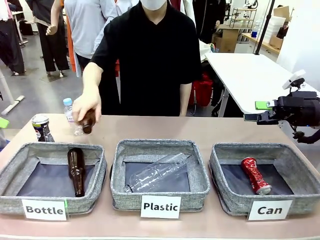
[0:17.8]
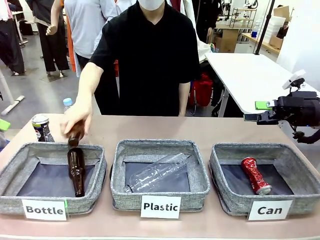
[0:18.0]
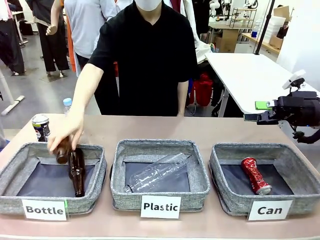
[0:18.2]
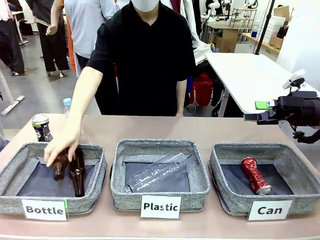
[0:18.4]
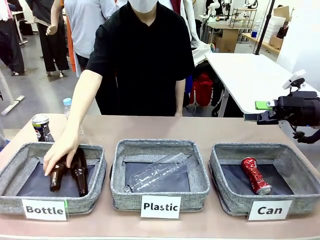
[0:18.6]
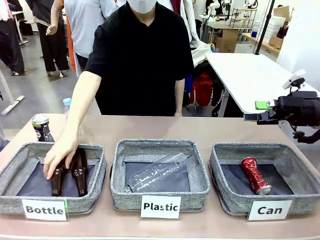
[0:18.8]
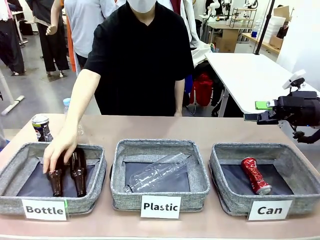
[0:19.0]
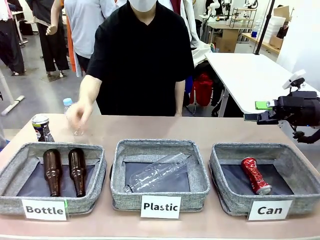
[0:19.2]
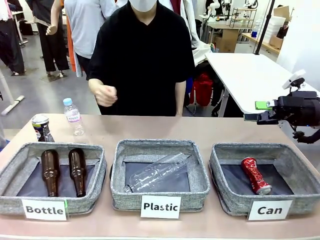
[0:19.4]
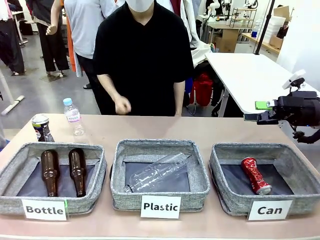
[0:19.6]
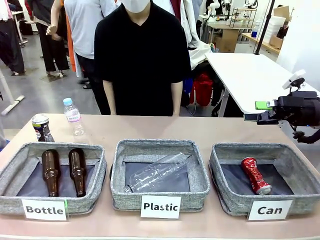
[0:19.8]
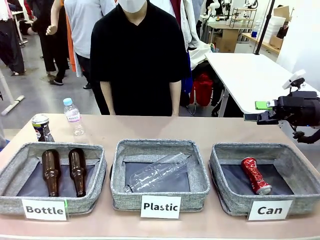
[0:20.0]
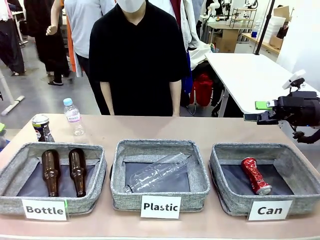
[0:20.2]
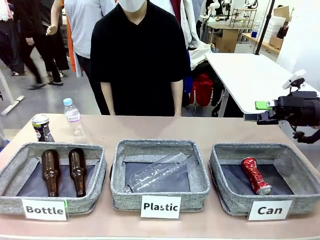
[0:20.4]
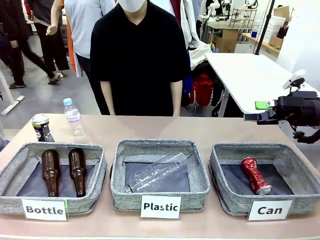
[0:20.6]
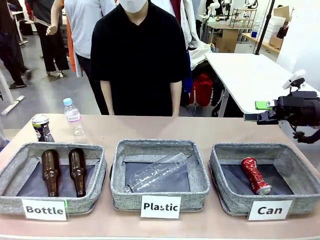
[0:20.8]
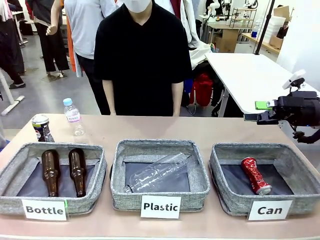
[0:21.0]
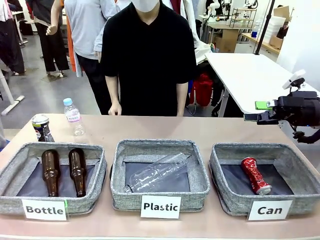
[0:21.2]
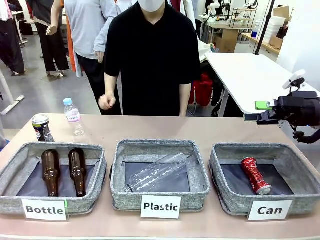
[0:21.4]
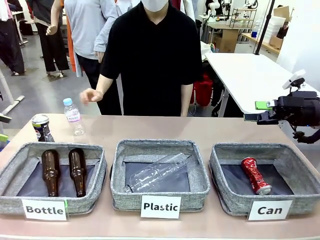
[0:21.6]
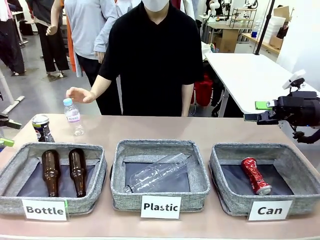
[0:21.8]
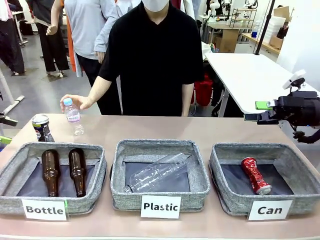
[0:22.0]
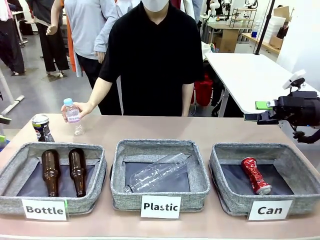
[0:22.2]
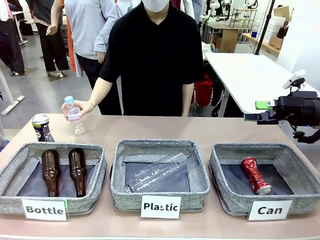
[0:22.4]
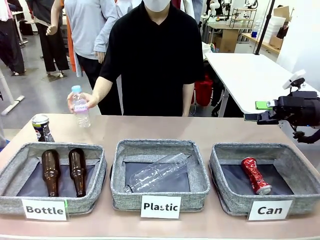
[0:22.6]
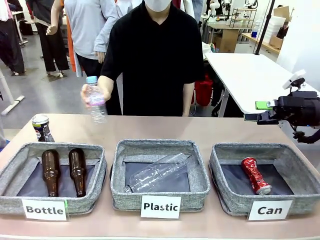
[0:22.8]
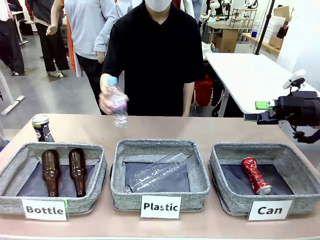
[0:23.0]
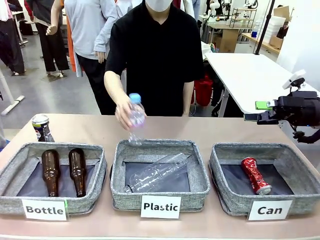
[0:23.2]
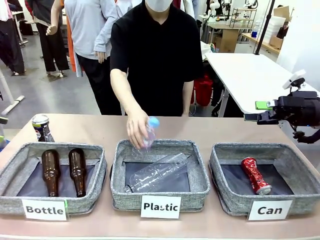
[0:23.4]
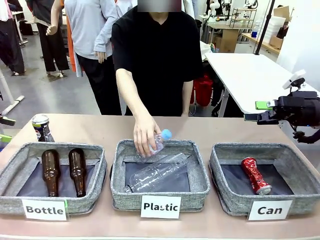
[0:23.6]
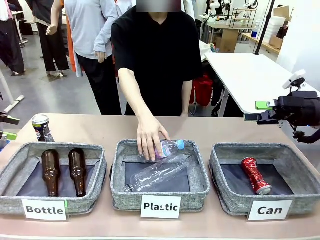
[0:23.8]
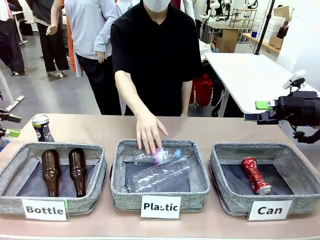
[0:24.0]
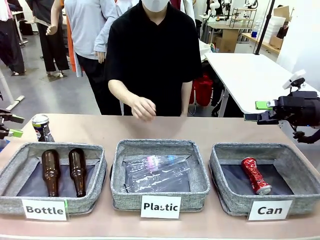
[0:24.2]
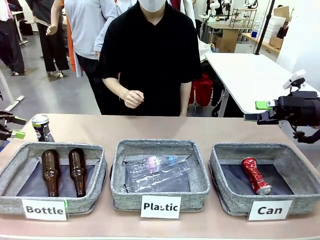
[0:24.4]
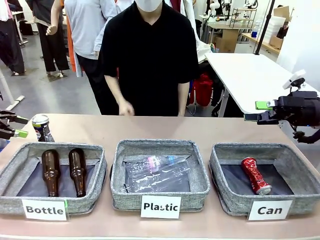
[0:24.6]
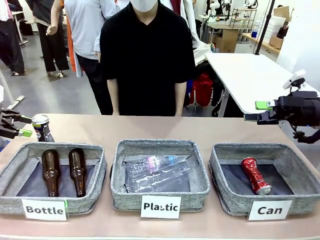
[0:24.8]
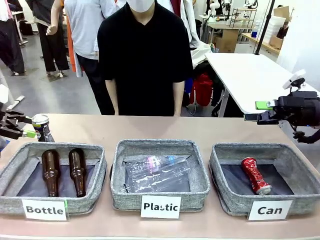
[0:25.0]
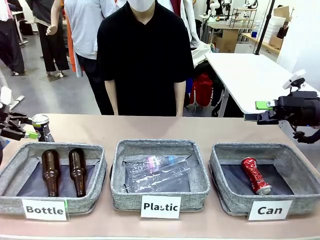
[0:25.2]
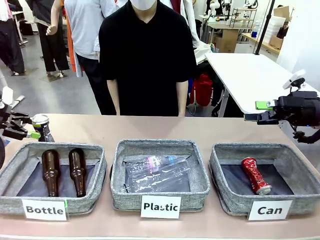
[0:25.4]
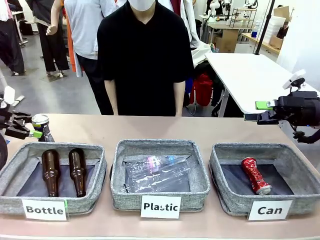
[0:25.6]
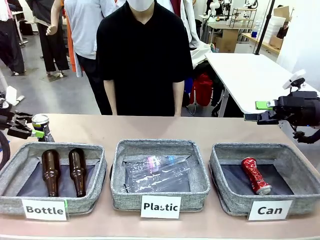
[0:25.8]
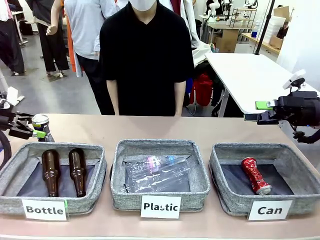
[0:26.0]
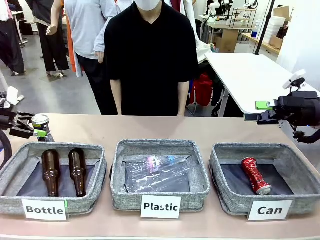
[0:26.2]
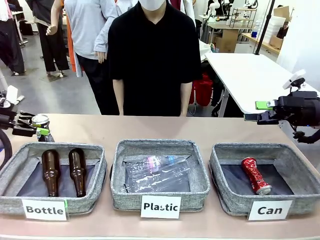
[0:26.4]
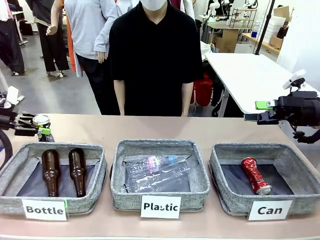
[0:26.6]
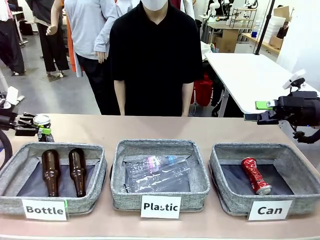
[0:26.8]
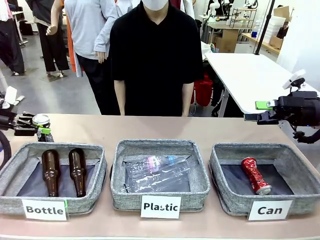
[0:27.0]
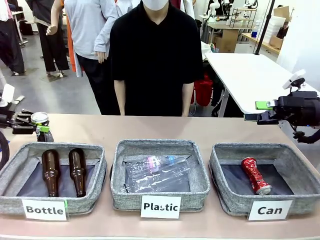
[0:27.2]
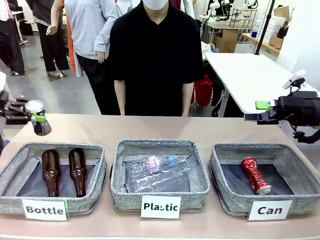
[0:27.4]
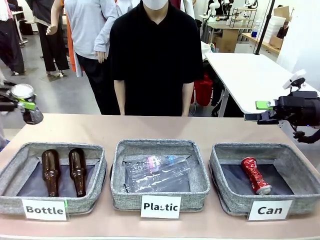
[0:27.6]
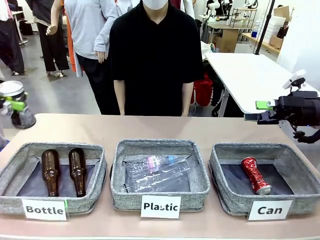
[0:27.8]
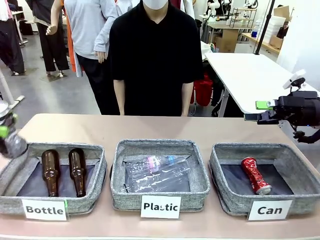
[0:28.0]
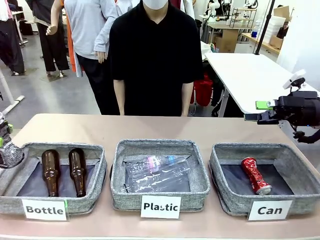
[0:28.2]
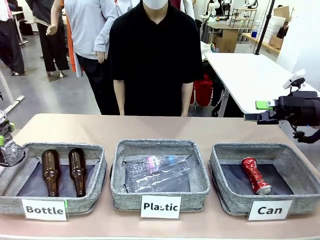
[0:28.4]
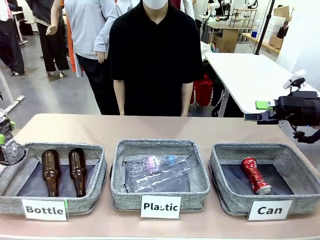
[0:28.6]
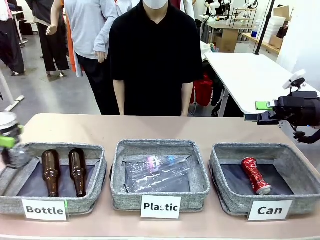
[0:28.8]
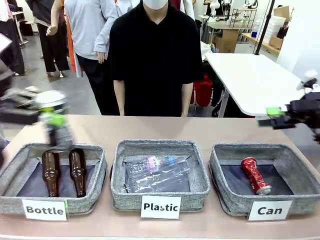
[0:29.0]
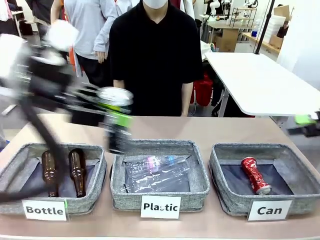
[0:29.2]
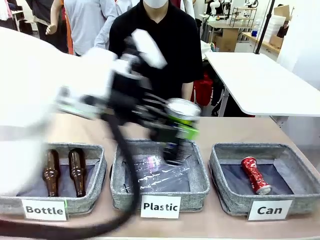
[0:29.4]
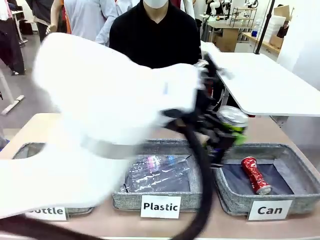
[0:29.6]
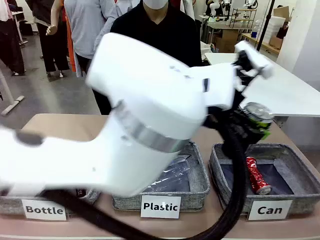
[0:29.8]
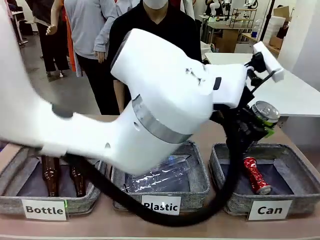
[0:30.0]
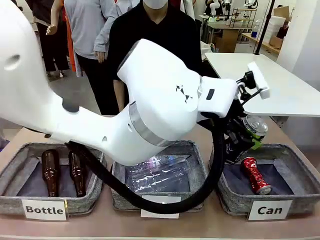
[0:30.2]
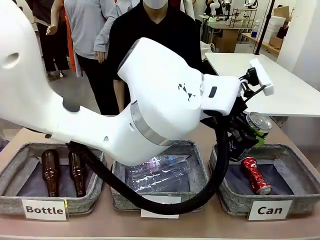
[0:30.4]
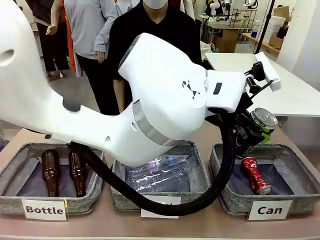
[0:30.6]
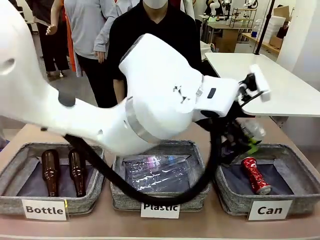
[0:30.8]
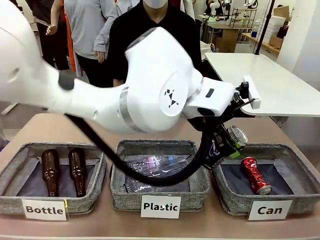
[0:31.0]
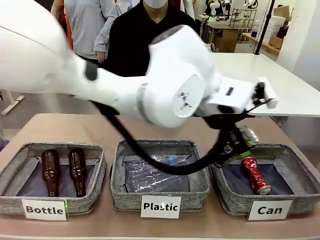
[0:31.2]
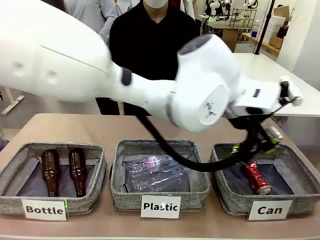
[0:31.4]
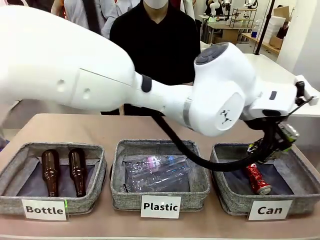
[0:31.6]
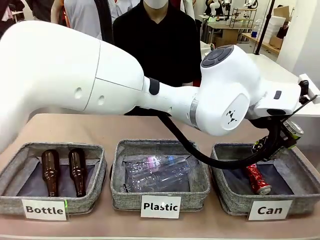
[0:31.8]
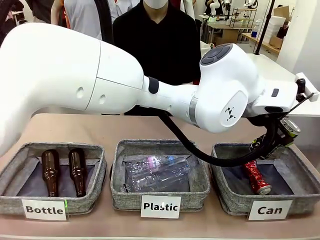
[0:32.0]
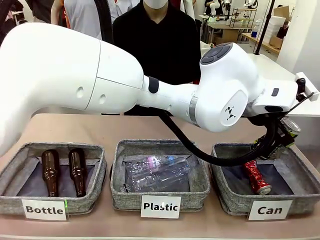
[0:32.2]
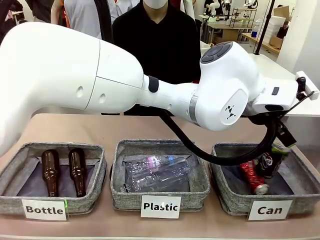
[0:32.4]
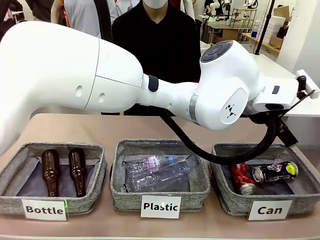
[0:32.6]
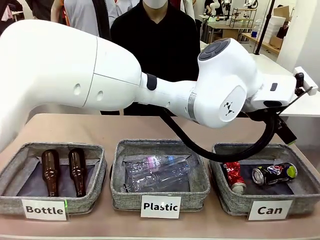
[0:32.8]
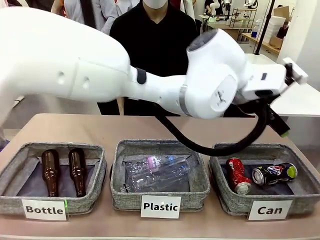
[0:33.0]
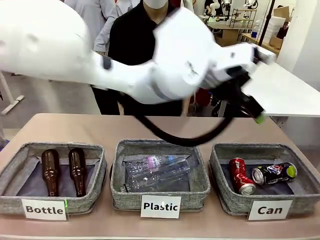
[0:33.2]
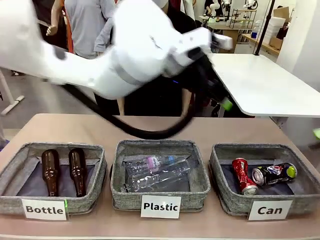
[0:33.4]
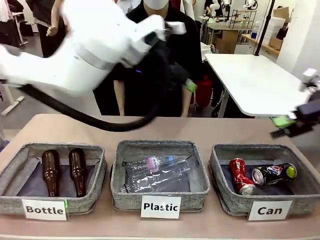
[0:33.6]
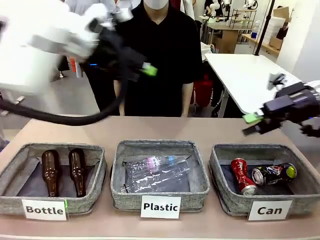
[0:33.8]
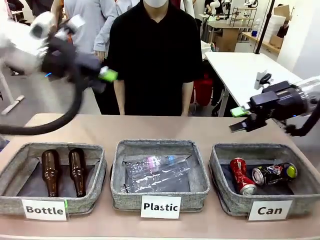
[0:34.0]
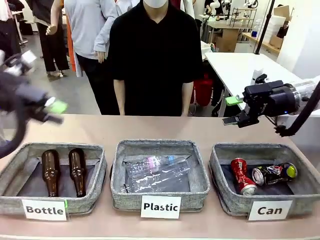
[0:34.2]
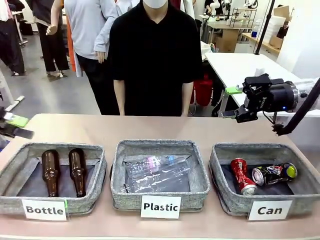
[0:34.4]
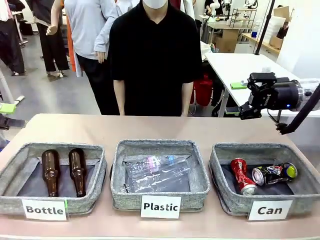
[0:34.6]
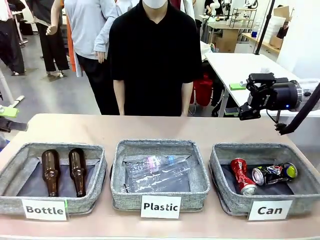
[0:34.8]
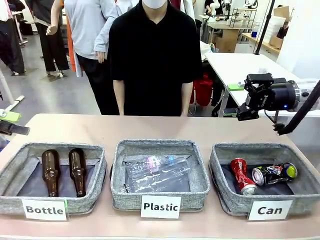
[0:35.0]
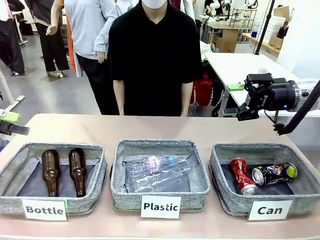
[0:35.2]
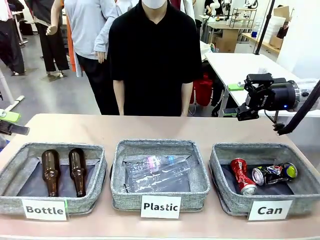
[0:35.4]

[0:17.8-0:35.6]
Task: Sort the can waste into the basket.
Robot: Pick up the can waste from the table and place it in the right Fabric basket.
